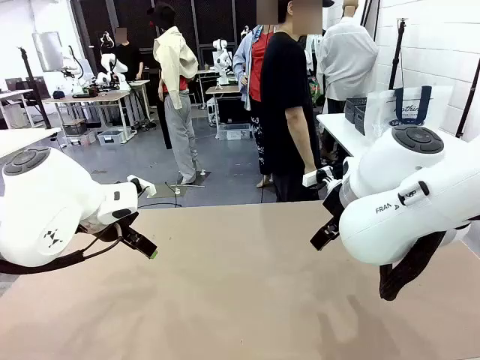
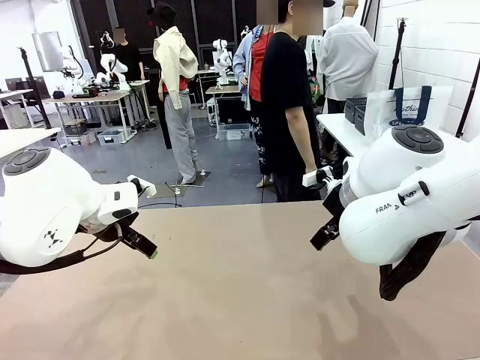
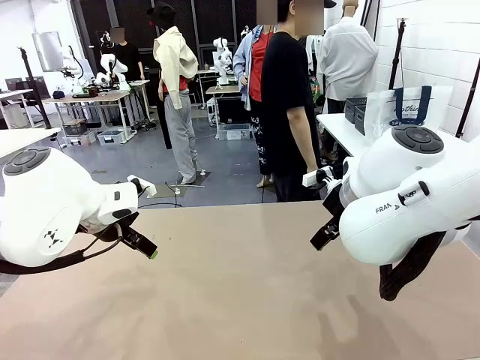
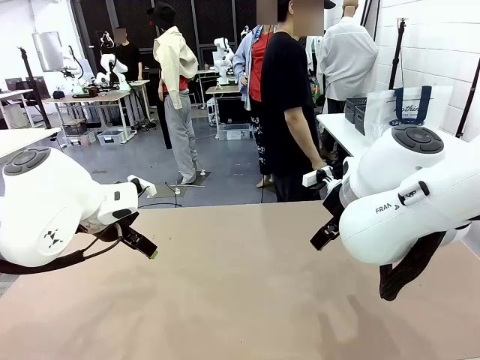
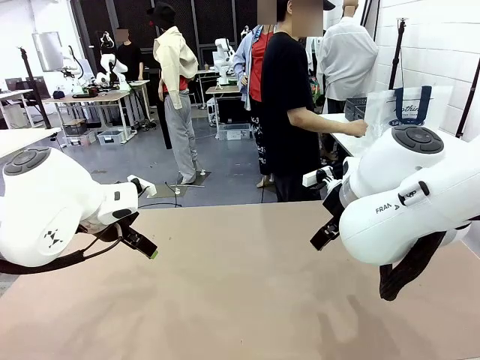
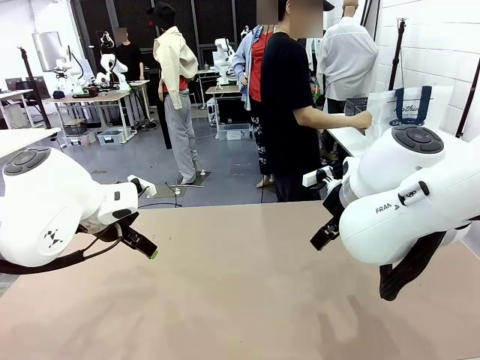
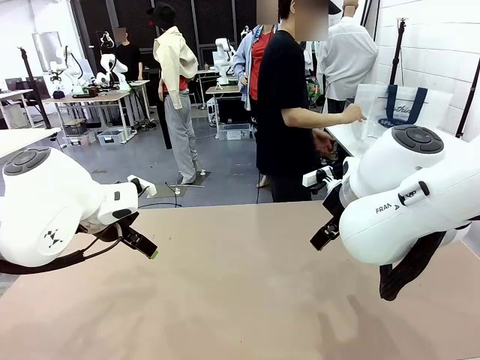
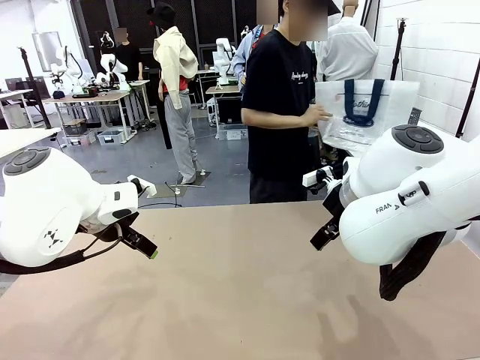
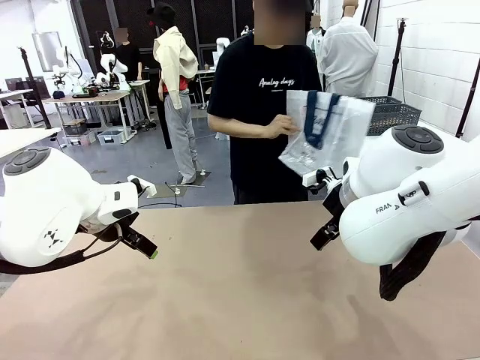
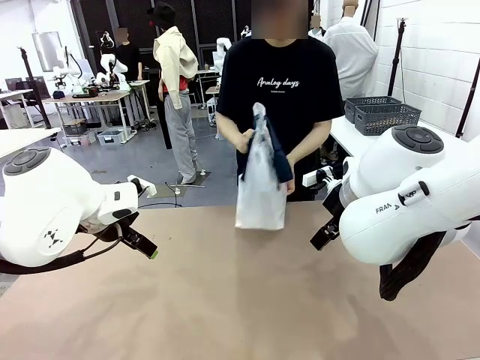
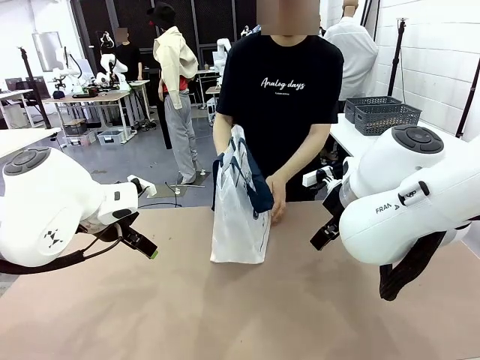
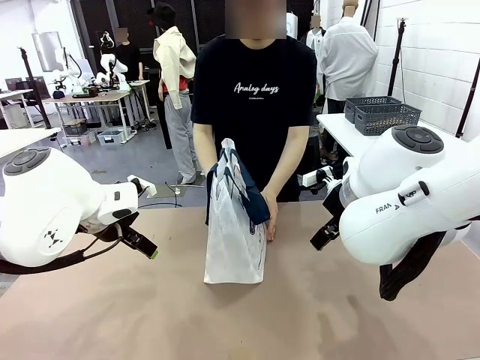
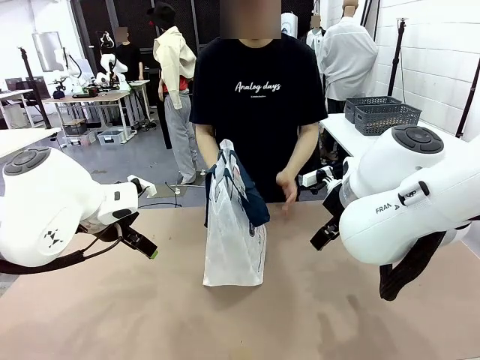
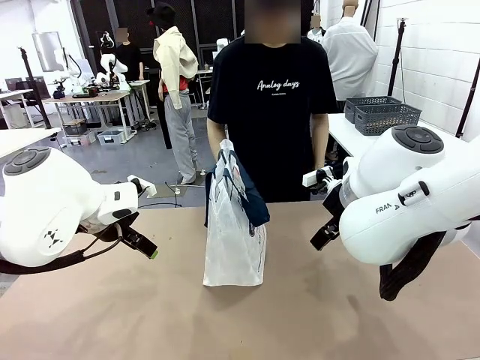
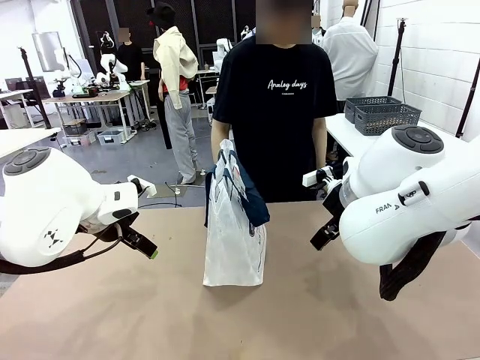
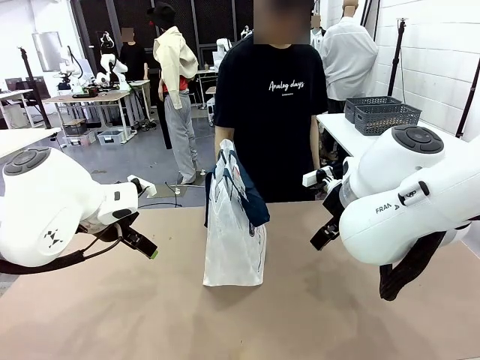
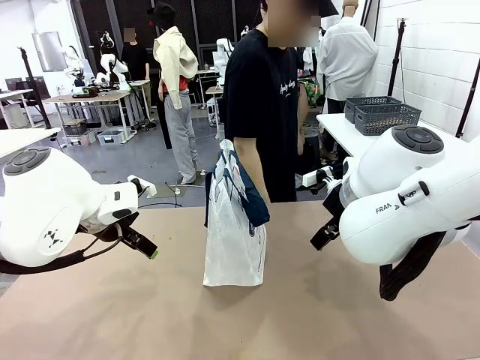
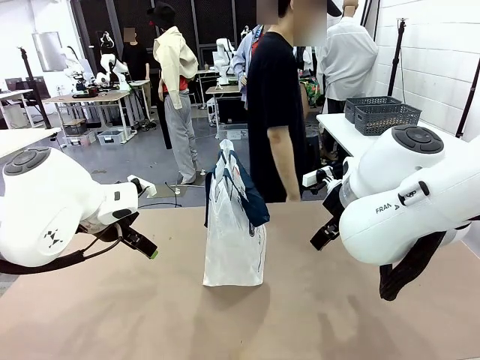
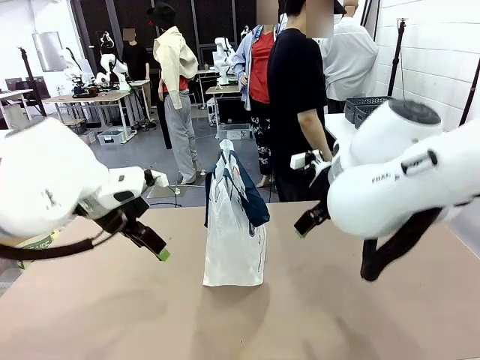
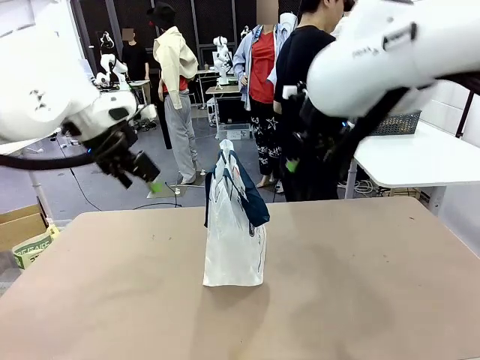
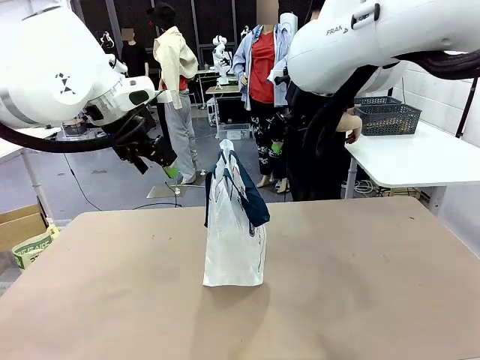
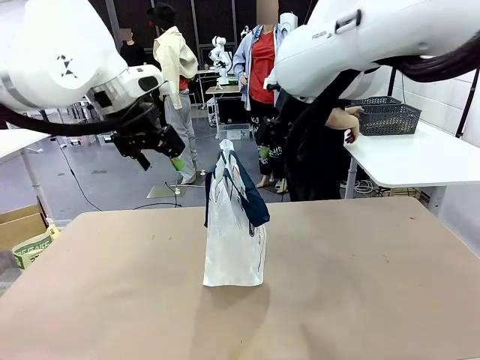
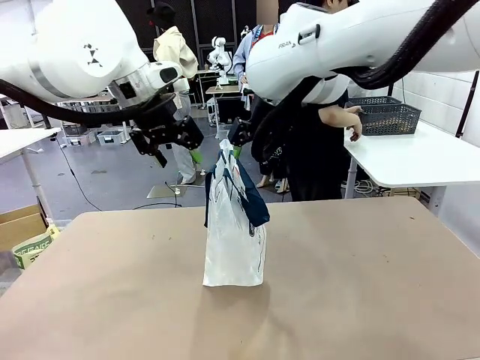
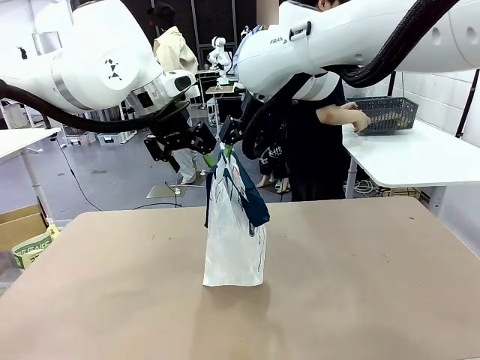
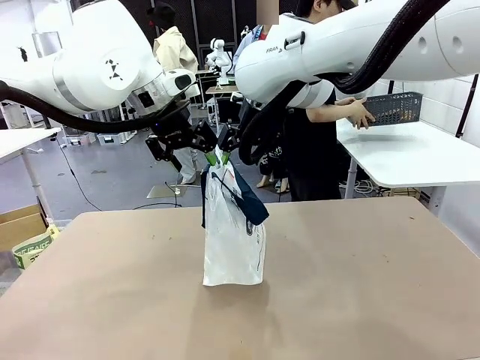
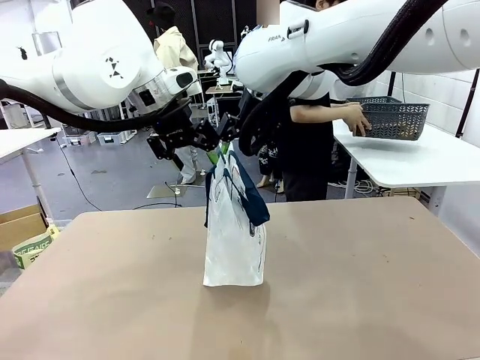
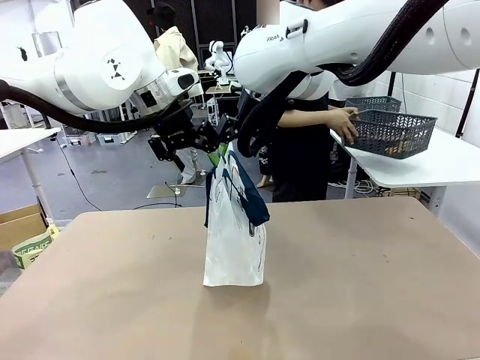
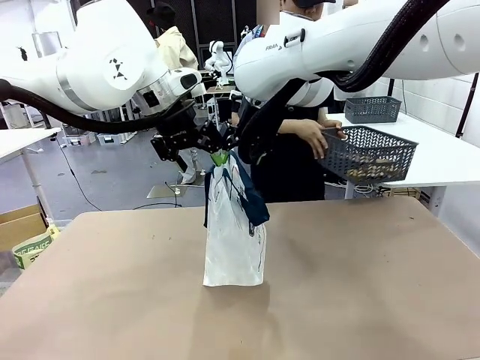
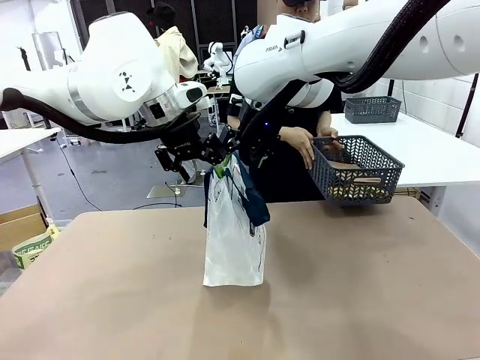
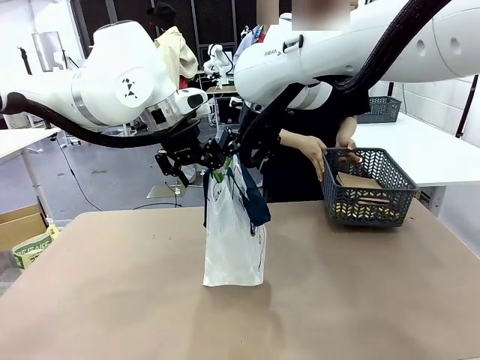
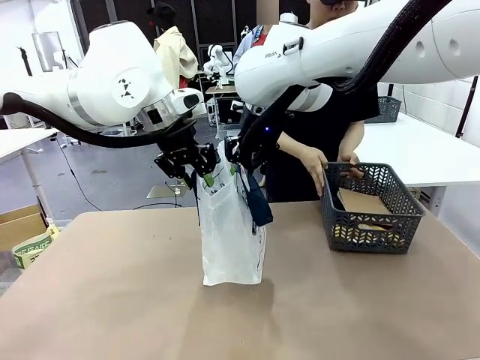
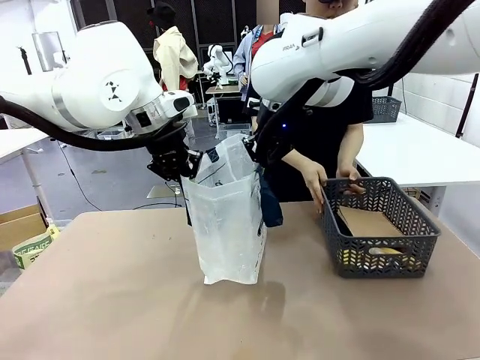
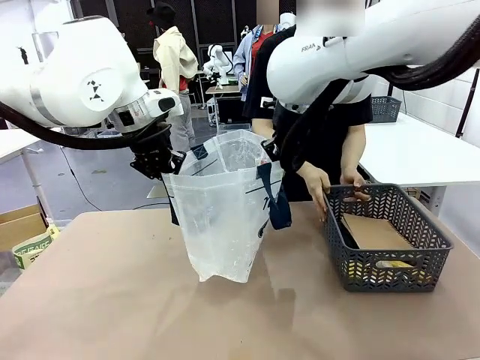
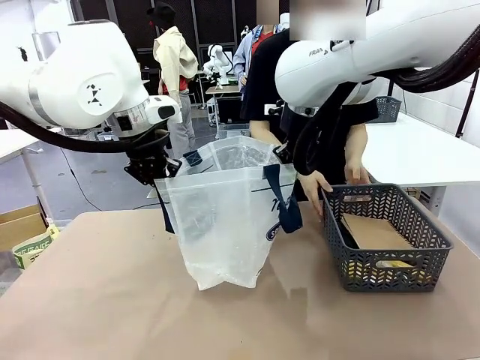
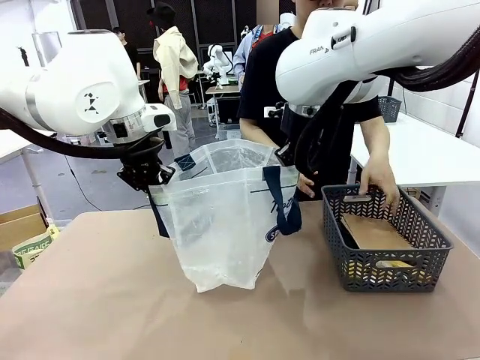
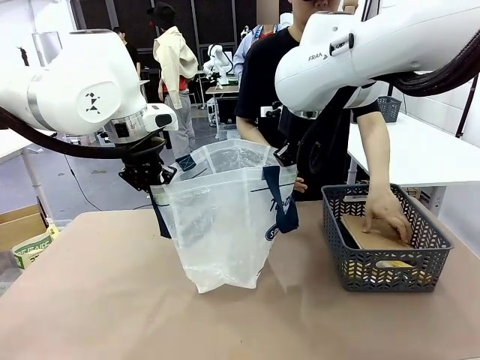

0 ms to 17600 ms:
Task: Transfer purchased items from the store into the shopping bag.
Robot: Open the Reusable shopping bag in the center of the table.
Person: Pick up the shopping bag and place it in the middle of the robot table.
